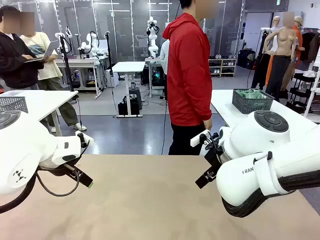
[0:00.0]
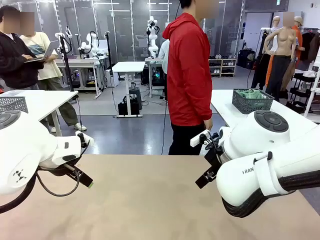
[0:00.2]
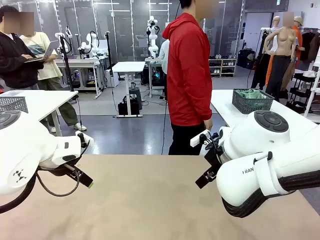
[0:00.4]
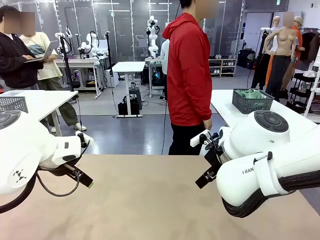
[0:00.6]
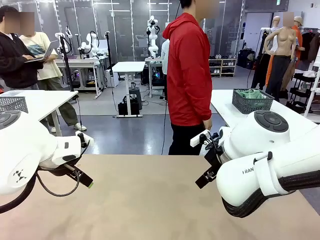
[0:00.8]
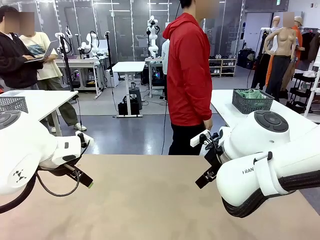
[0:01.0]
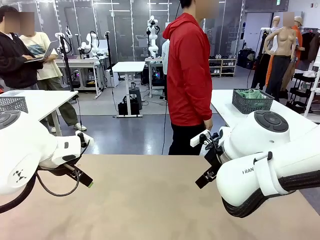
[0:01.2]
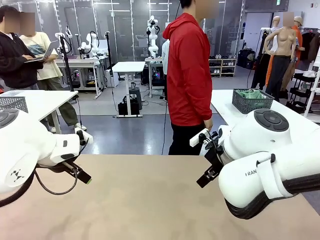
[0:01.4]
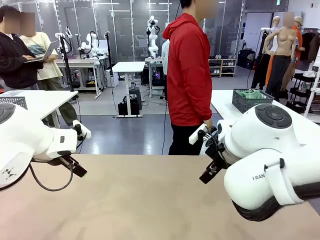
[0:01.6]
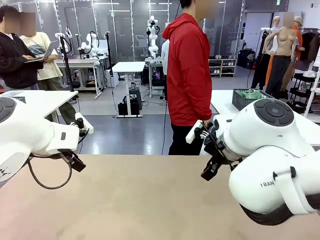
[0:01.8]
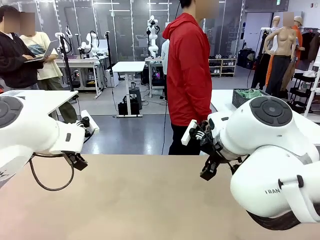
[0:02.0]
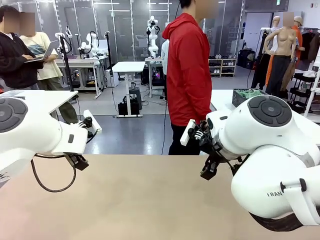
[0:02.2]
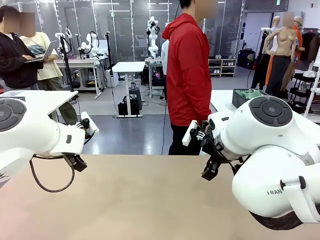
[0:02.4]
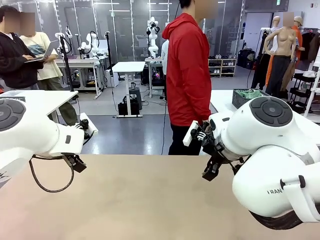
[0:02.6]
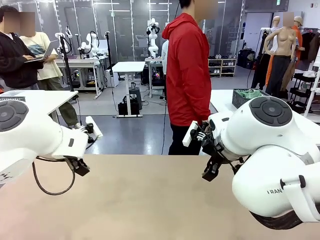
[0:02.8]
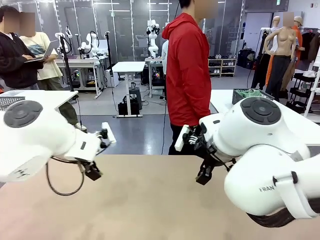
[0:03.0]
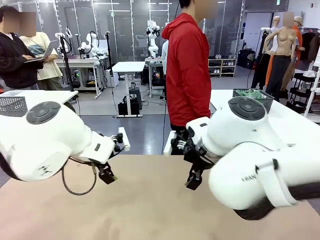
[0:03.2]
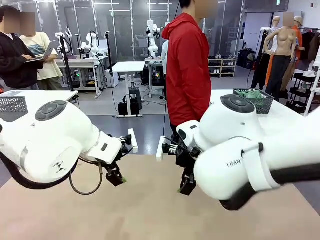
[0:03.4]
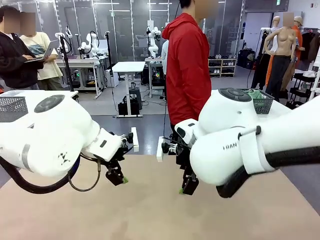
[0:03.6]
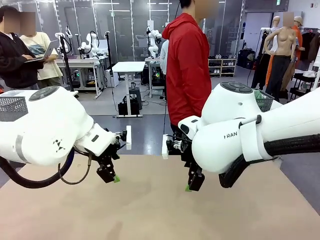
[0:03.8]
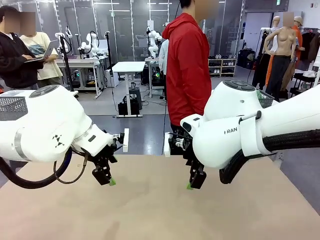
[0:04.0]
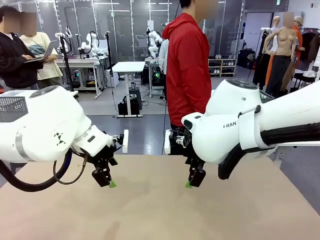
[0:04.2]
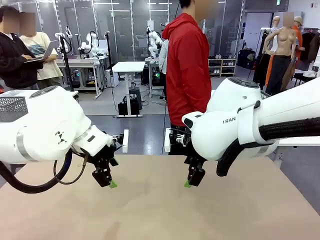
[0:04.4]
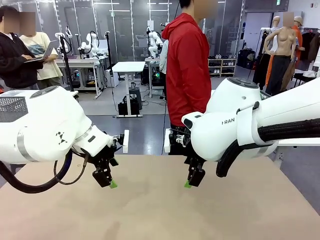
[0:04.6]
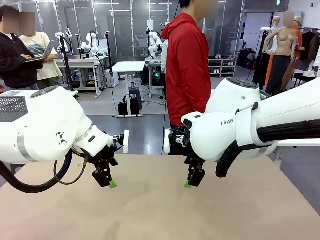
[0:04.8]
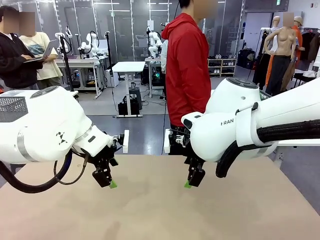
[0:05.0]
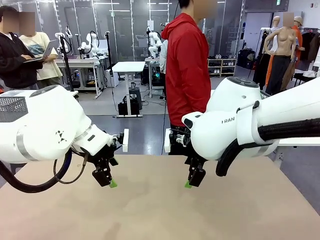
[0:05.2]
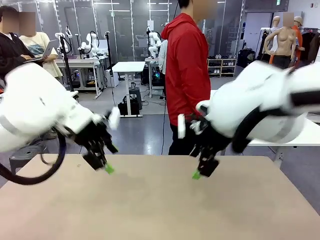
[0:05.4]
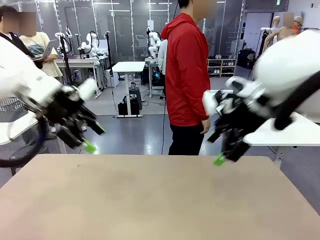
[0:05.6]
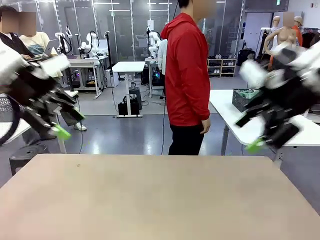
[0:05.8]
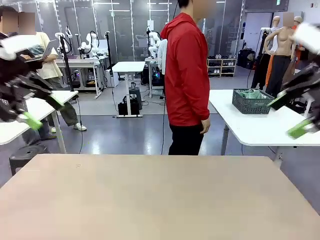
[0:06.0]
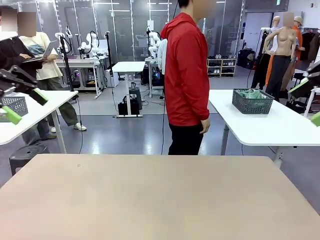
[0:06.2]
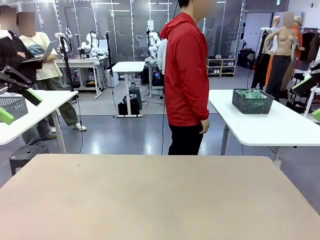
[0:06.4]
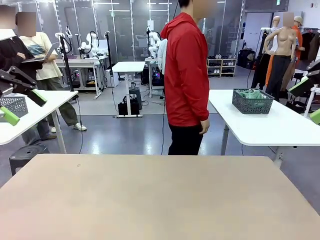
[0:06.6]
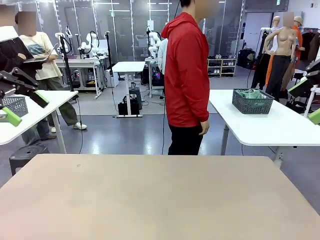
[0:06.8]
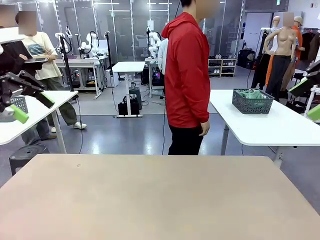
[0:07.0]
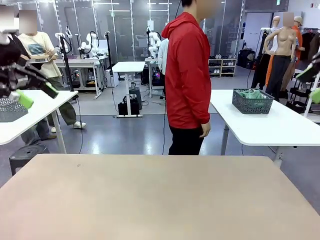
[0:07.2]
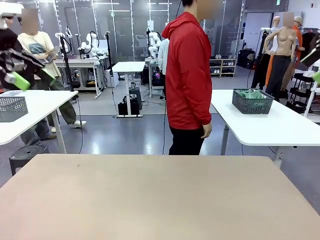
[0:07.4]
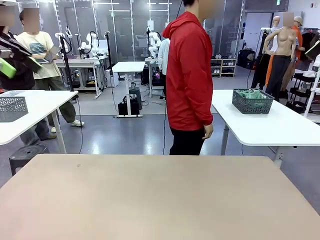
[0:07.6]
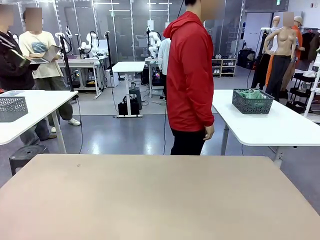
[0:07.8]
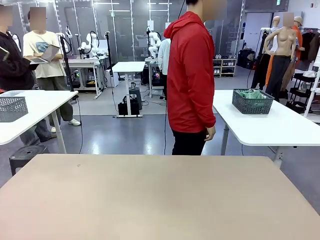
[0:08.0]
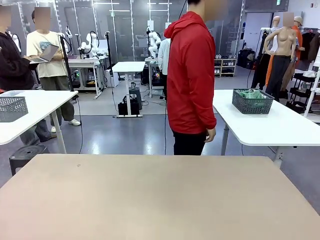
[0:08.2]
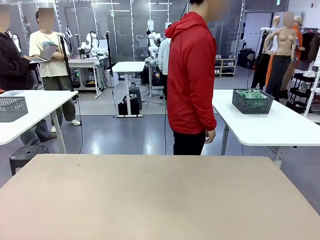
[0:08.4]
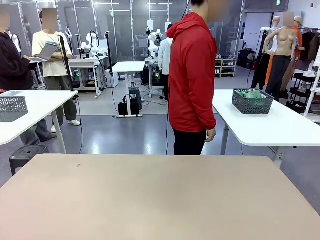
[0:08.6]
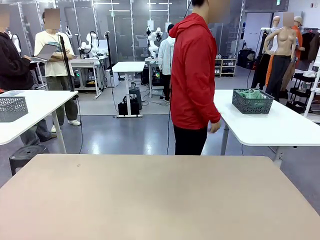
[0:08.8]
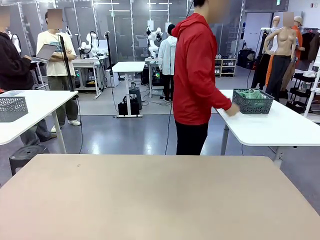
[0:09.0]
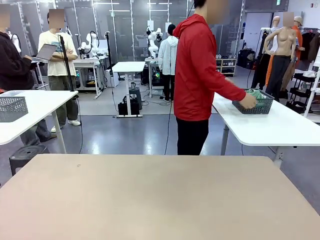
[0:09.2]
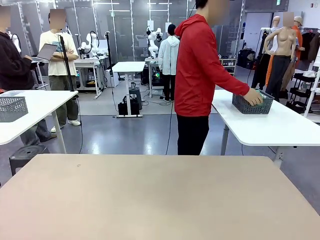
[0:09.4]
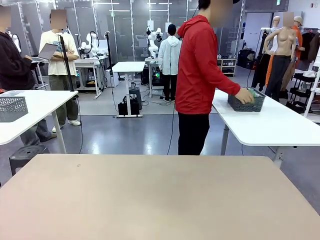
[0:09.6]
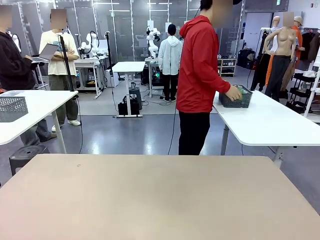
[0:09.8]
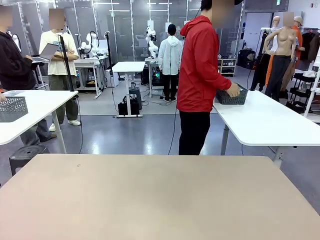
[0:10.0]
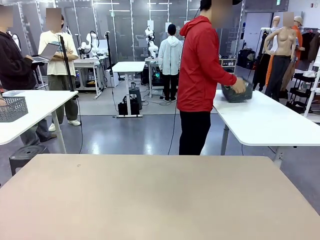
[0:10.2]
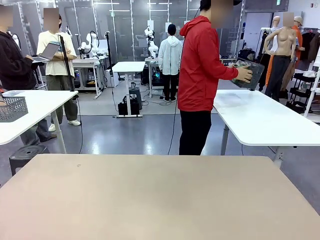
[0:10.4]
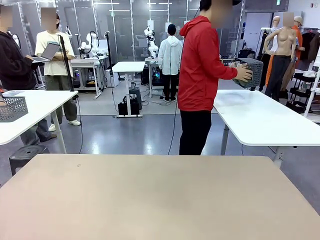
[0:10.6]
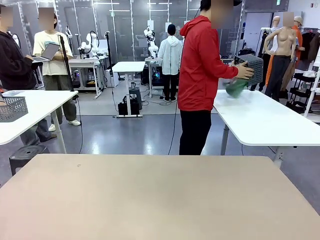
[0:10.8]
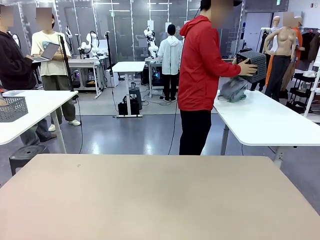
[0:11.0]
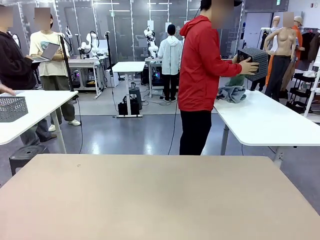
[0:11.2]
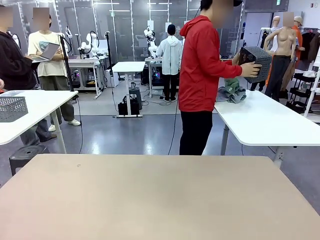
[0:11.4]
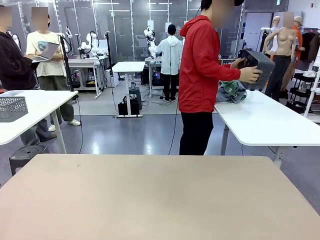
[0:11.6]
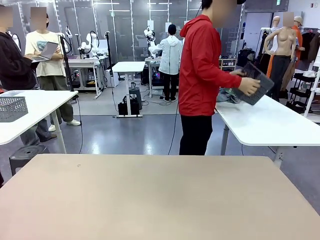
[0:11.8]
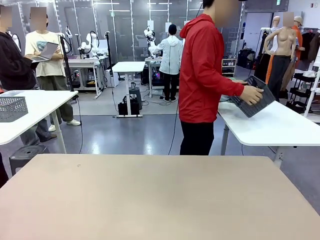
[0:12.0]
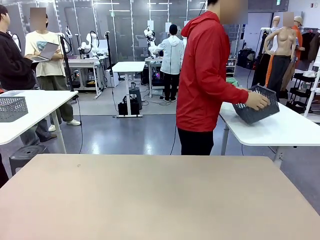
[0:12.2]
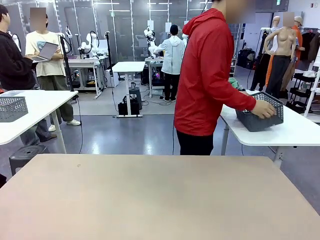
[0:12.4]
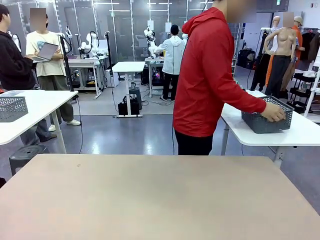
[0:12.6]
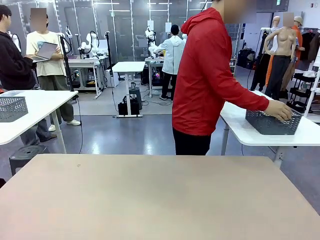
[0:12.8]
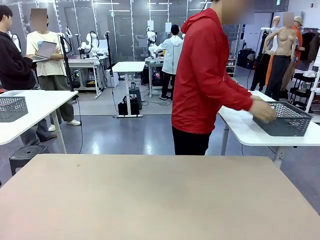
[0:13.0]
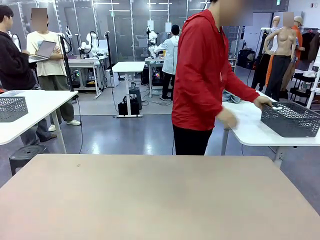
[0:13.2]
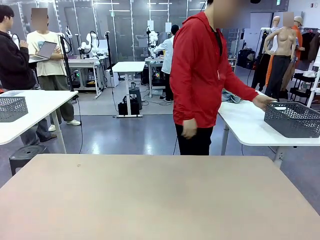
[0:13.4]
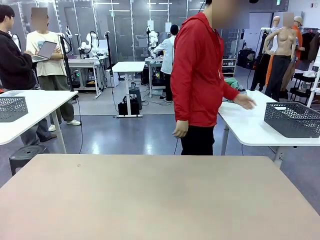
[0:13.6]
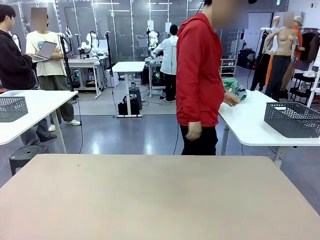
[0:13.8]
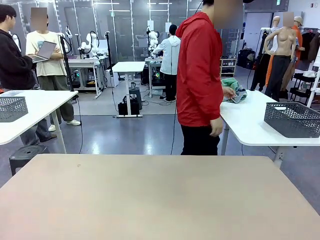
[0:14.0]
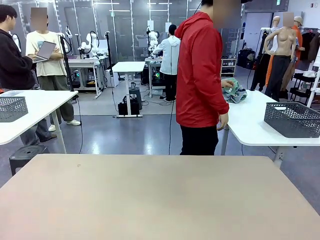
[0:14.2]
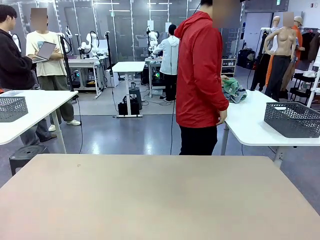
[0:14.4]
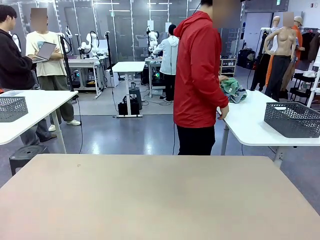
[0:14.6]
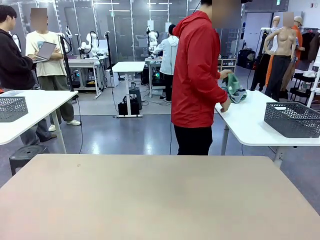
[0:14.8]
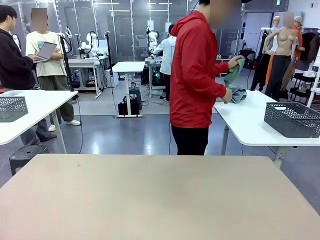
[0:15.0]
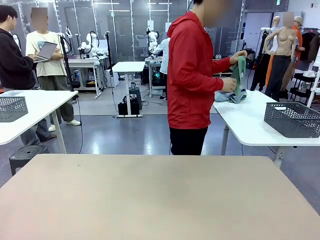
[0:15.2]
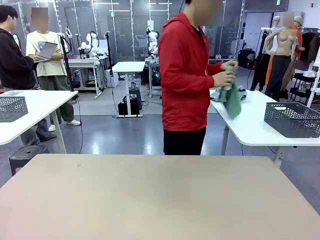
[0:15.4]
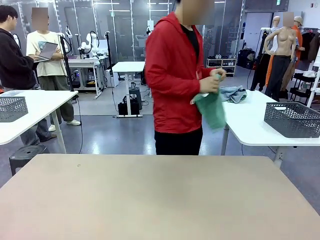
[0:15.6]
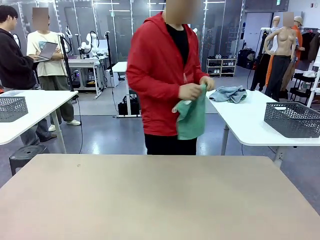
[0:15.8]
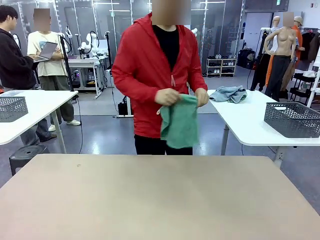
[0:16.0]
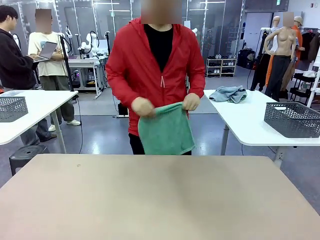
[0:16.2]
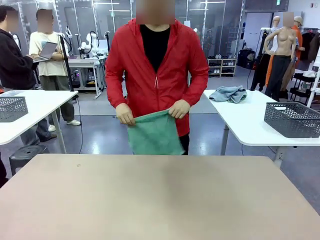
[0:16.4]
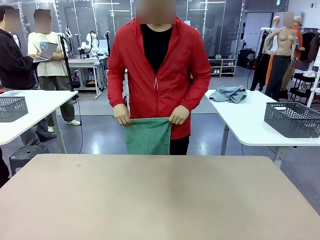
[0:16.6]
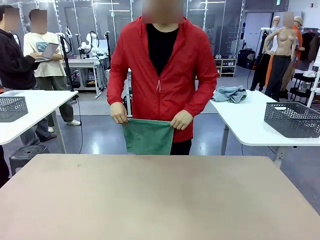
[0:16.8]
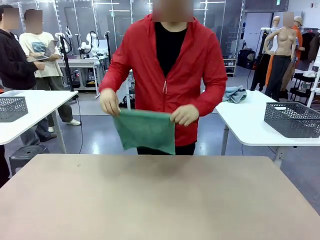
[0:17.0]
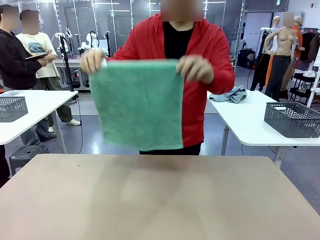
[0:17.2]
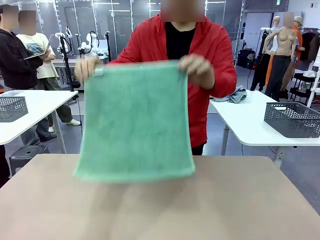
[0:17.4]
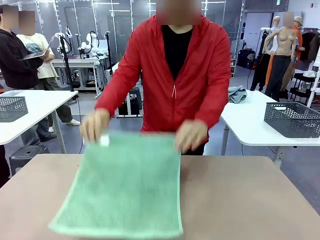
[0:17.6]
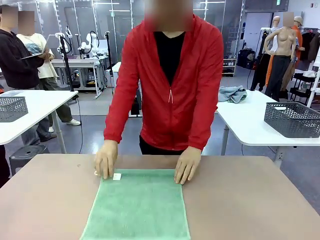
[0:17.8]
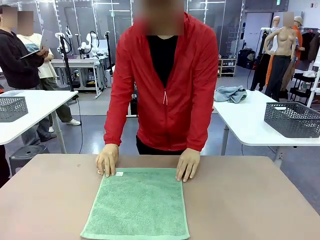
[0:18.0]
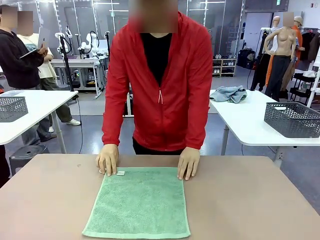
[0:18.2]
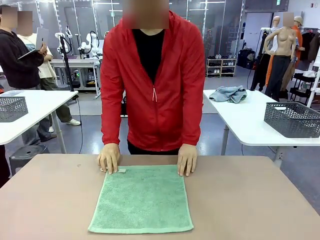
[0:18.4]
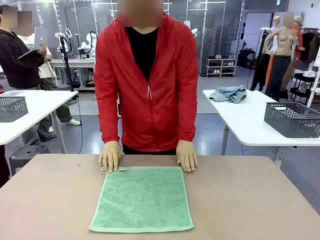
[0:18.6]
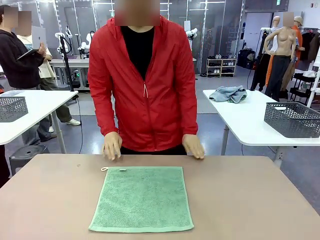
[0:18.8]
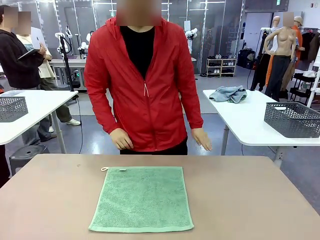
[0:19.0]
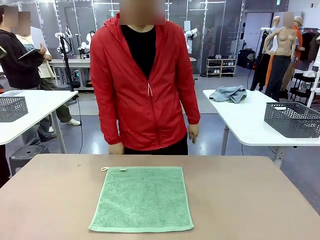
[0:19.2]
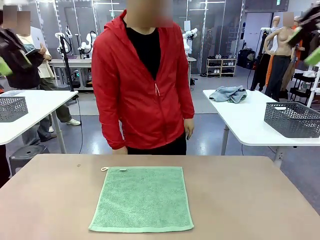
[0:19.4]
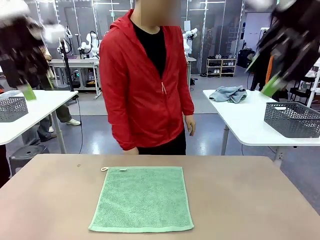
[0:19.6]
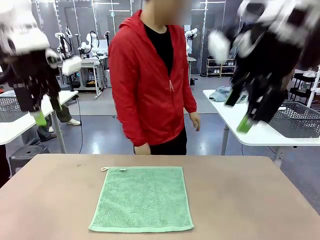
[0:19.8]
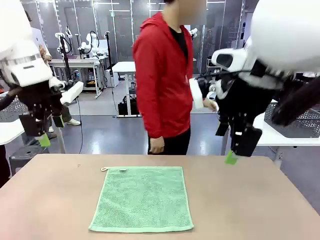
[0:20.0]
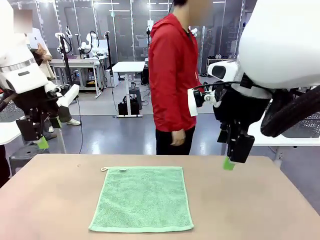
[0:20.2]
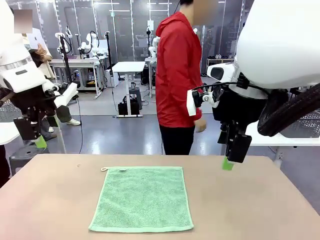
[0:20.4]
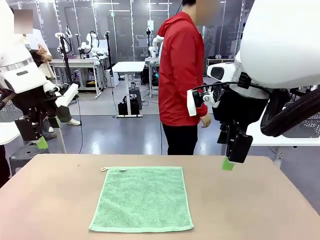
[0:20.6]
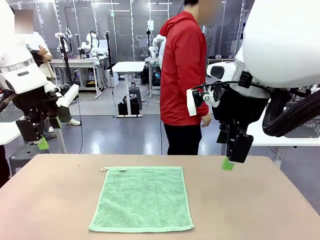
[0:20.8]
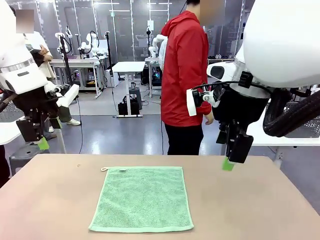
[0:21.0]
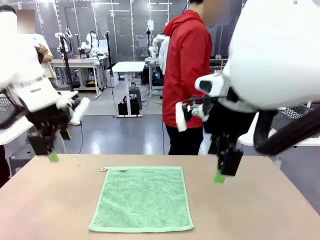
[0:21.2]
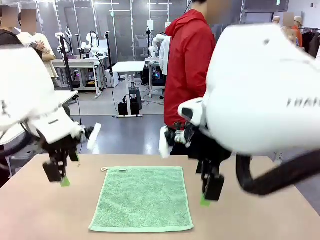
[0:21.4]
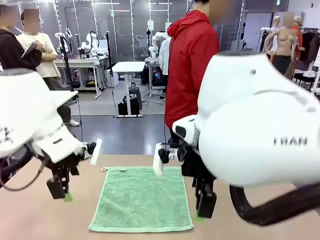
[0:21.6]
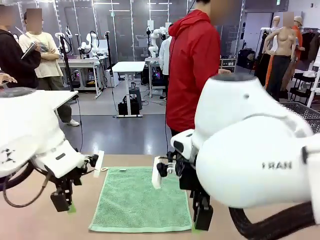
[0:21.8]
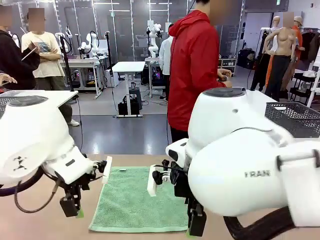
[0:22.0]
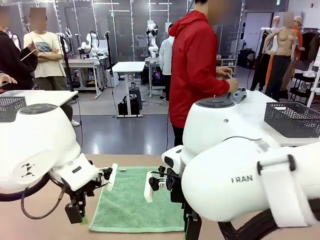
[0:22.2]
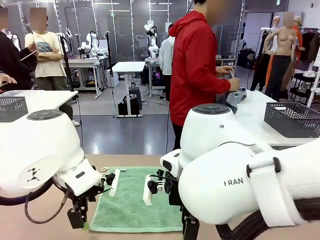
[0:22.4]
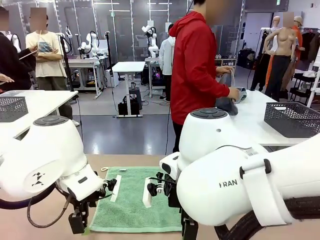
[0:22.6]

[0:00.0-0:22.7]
Task: Fold the towels and place them in the basket.
Robot: When a person lays out a Towel with hook on the table, fold it in half twice.
Person: Pick up the basket, pour the towels onto the left side of the human table, and place the basket on the right side. Pick up one towel and spread it out at the center of the robot table.
